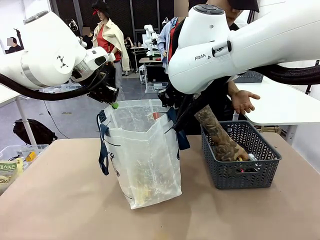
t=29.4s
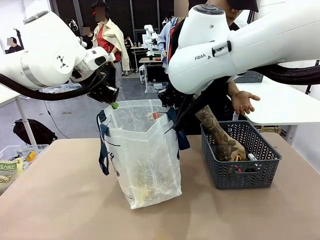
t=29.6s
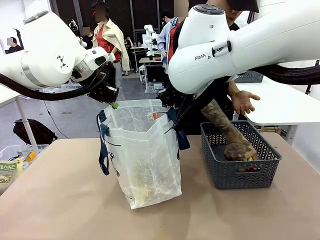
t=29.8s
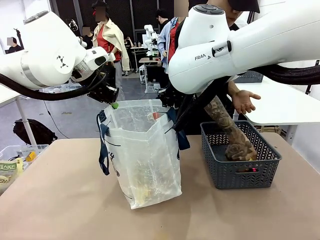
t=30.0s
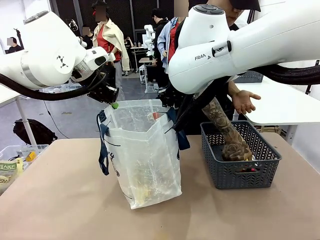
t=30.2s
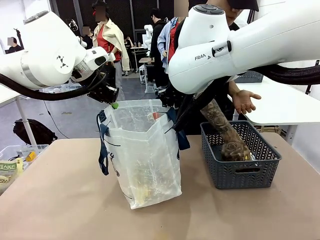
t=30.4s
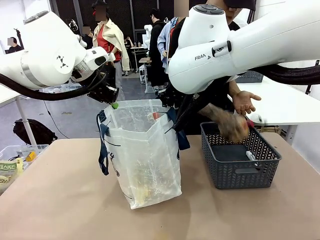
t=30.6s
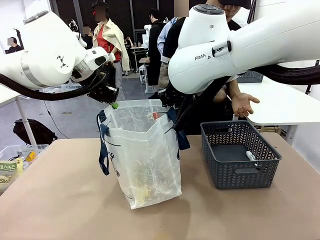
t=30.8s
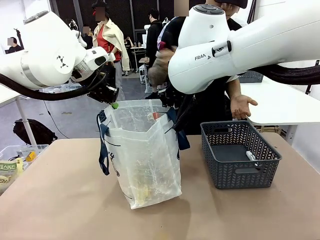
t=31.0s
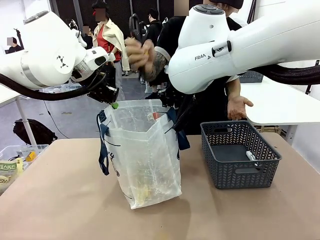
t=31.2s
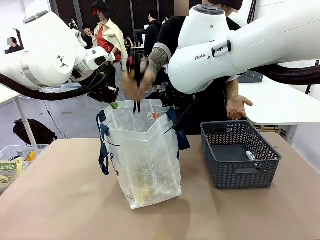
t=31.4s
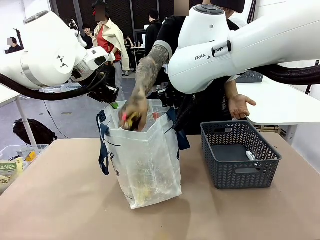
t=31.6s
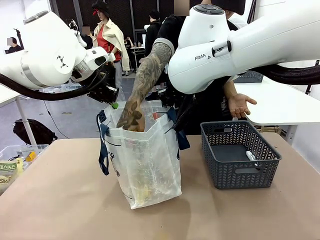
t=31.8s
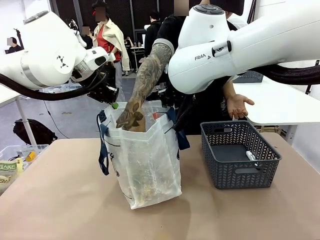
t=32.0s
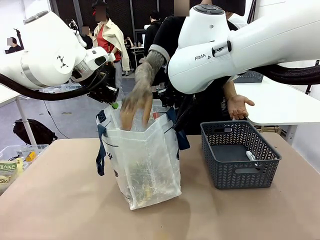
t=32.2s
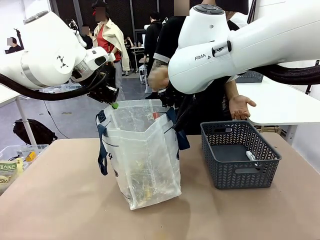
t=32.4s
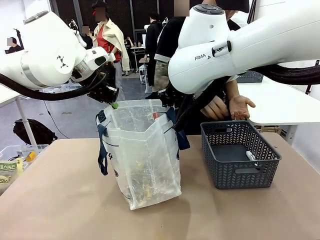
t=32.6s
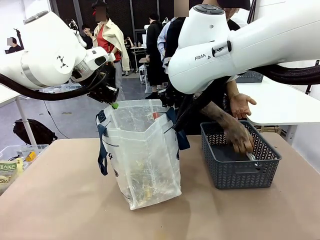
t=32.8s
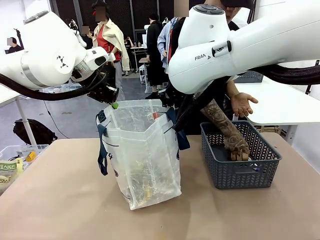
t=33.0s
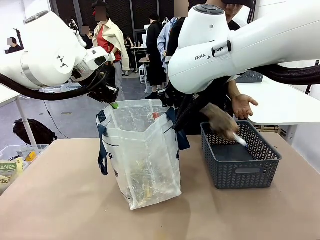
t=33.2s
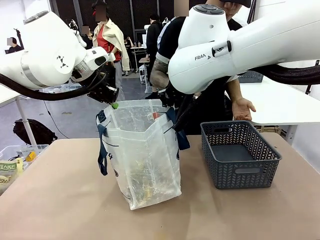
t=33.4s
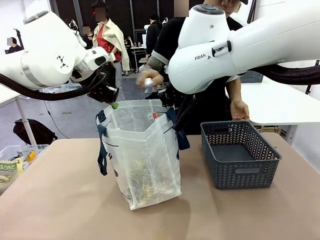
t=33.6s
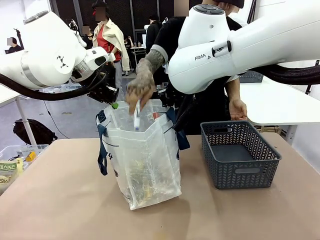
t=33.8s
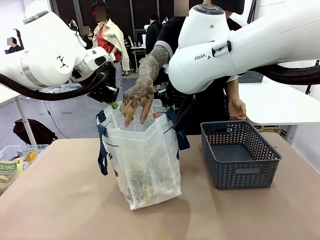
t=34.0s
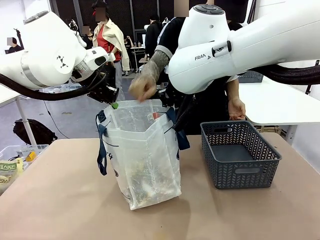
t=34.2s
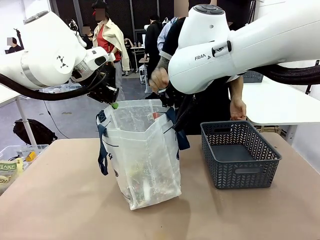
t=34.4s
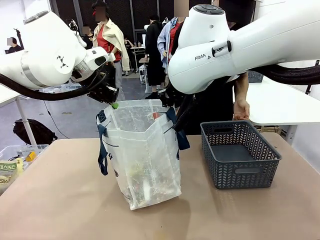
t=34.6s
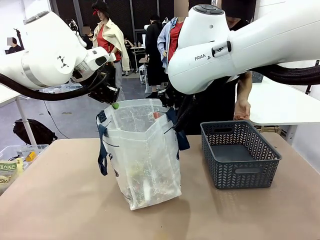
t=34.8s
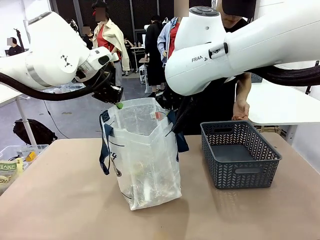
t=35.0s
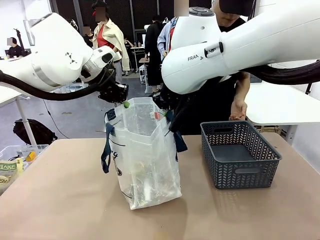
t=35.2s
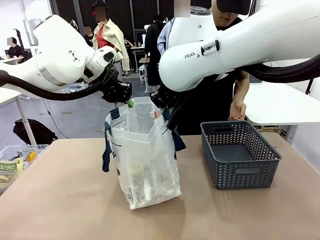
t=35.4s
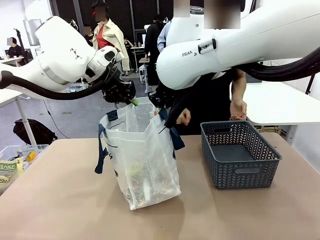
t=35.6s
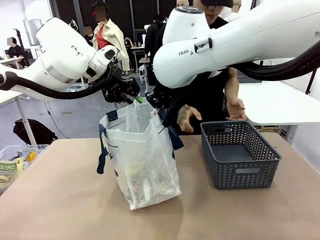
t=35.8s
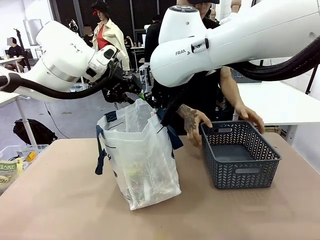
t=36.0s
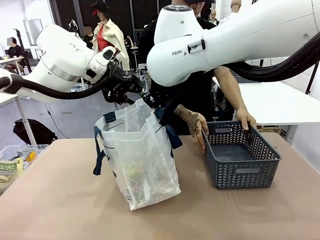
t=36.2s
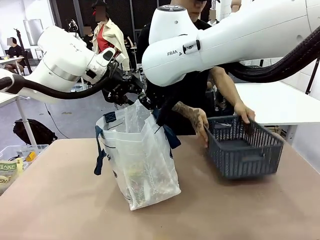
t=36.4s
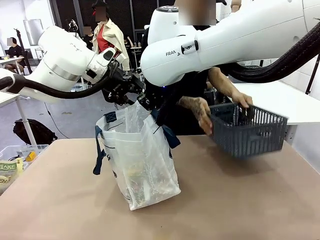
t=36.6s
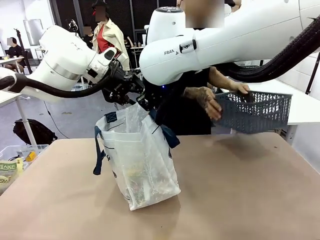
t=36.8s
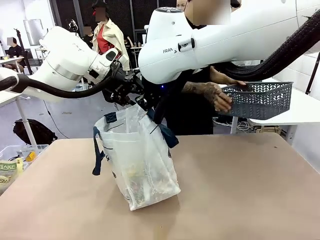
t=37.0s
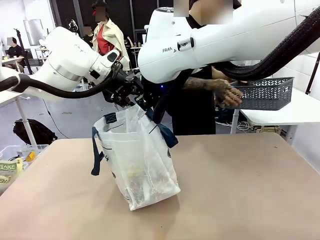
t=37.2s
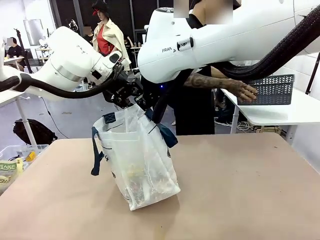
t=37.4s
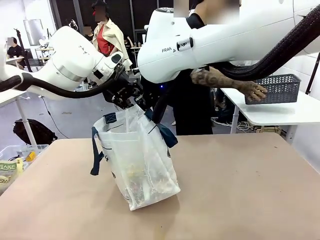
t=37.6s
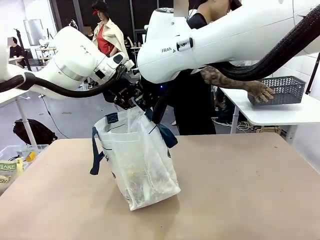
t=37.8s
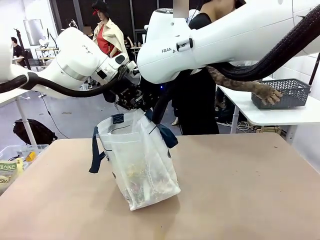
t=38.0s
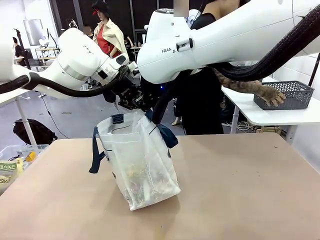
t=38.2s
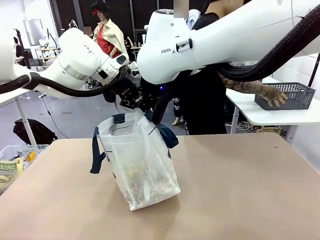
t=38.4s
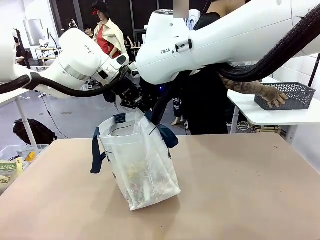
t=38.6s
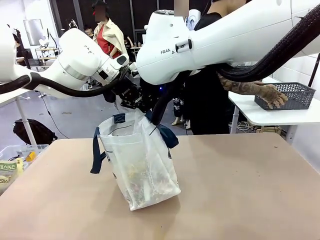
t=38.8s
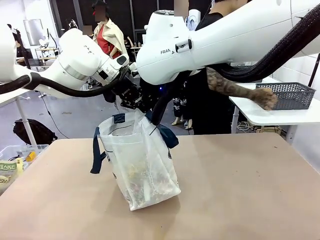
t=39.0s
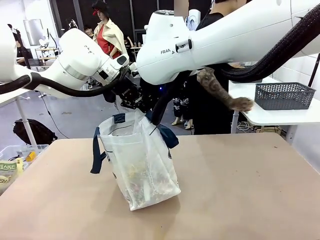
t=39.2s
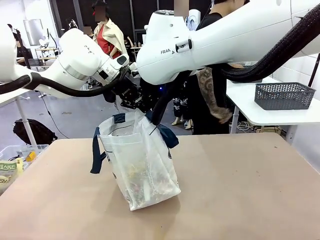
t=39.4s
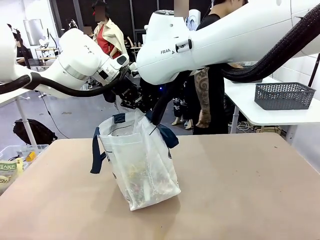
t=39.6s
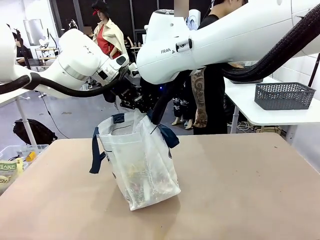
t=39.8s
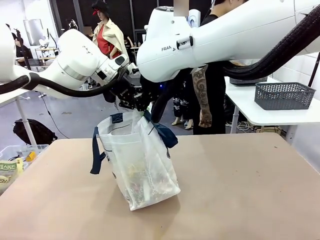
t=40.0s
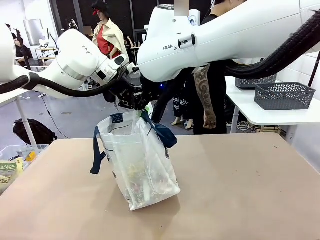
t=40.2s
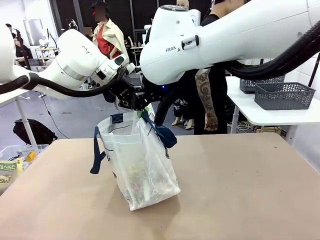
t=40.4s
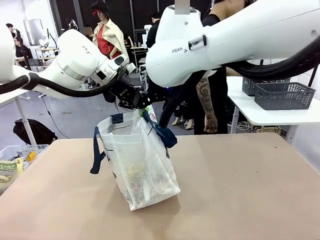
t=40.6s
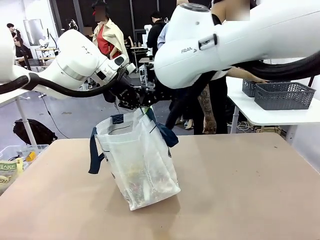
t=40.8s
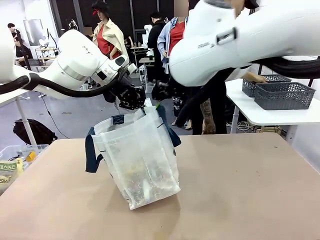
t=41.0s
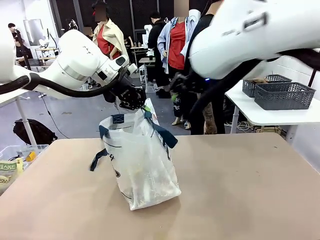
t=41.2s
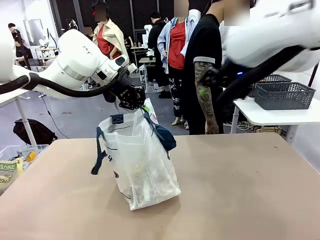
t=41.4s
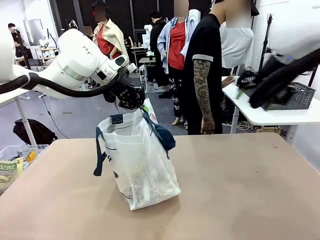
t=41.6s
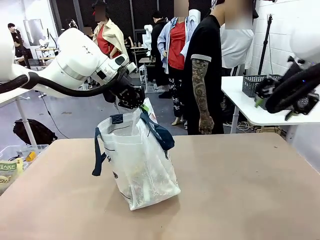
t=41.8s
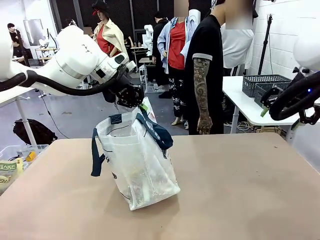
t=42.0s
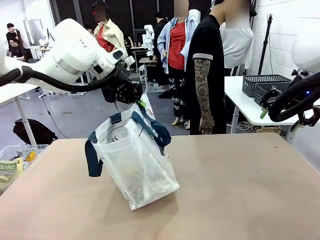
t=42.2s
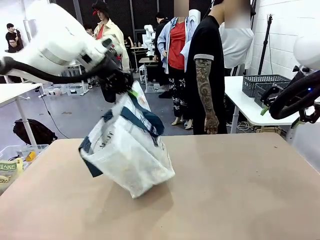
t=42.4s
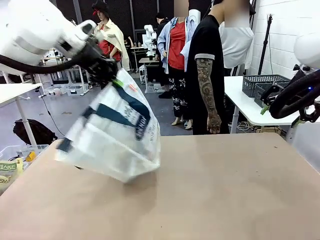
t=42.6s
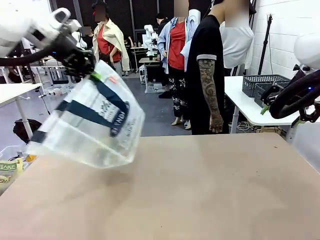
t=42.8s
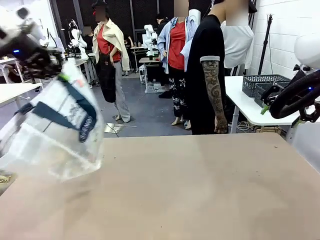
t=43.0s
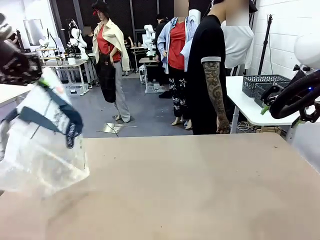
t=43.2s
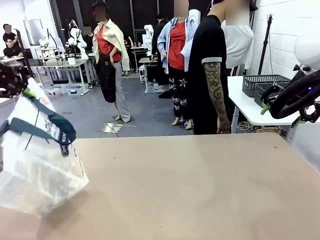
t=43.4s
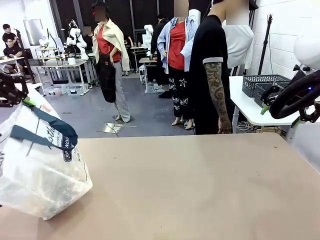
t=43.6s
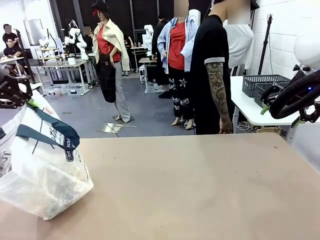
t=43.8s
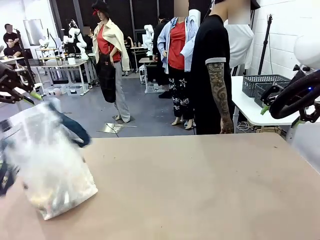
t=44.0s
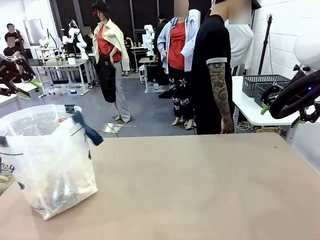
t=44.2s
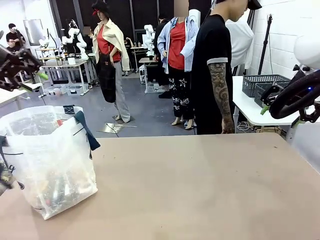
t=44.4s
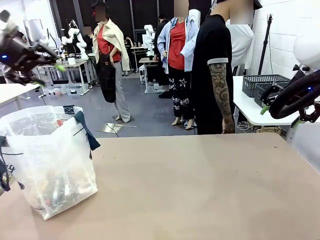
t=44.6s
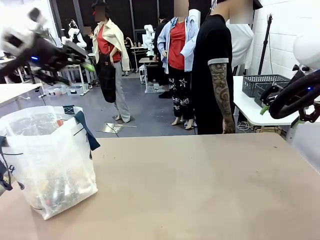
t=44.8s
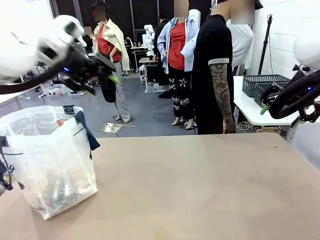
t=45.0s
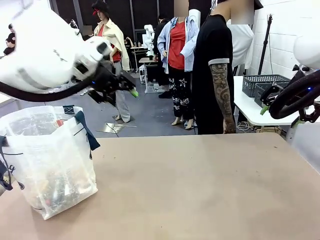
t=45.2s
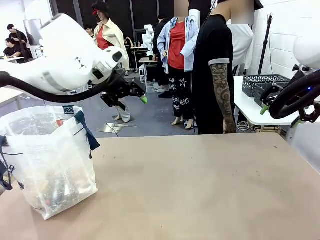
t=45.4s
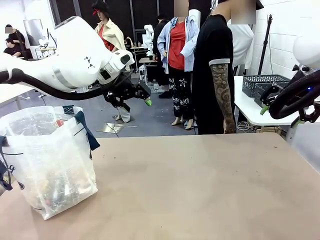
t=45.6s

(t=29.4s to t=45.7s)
Task: Transfer purchased items from the store into the shopping bag.
Robot: Move the Reusable shopping bag to the right side of the table.
Person: Move the basket on the left to the middle of the person's table.
